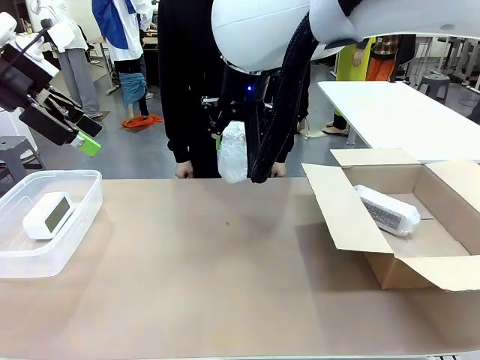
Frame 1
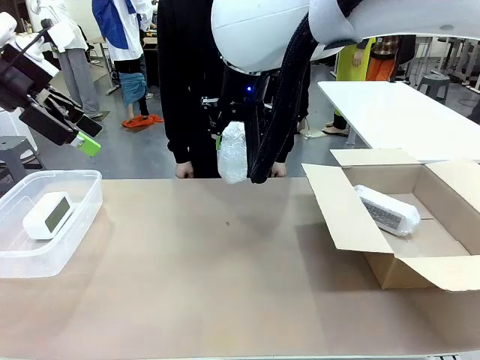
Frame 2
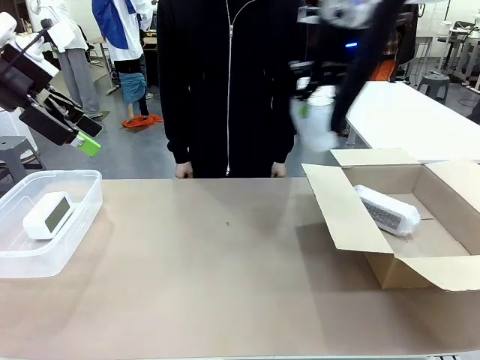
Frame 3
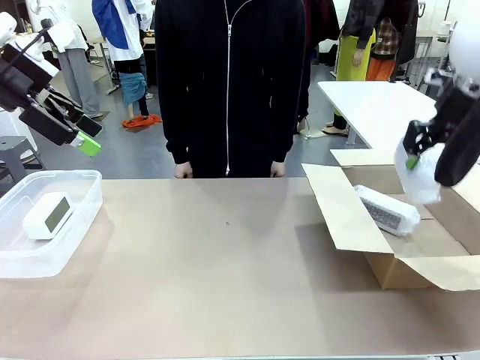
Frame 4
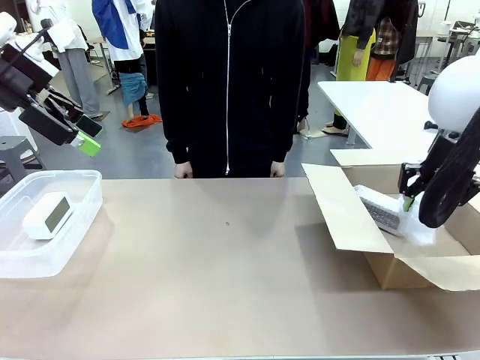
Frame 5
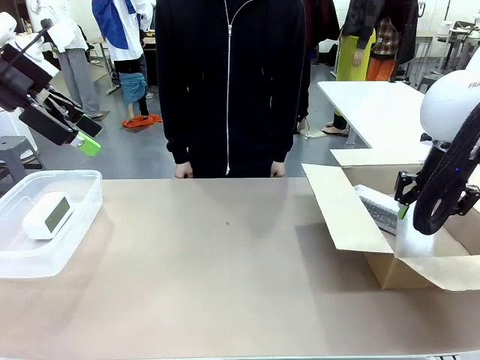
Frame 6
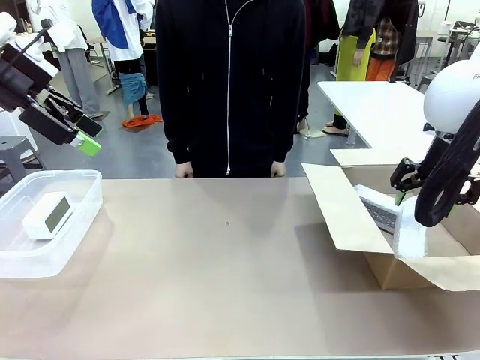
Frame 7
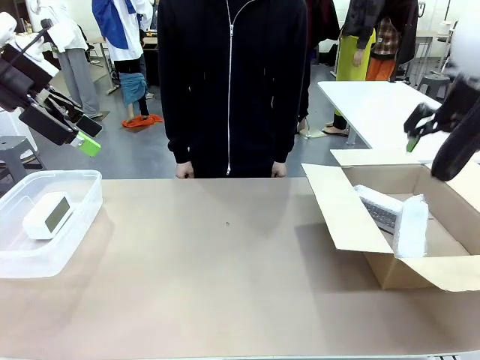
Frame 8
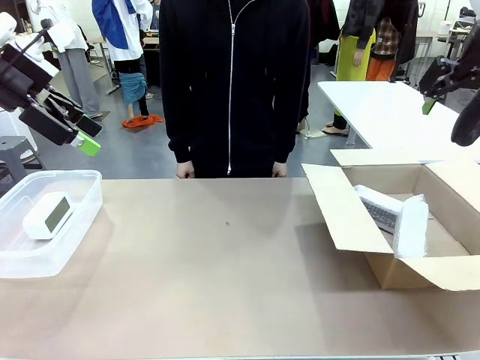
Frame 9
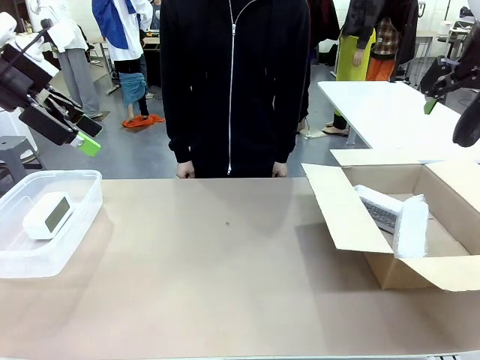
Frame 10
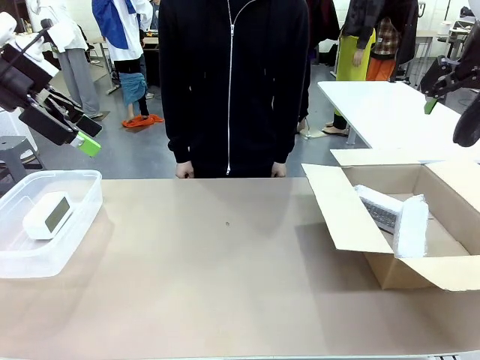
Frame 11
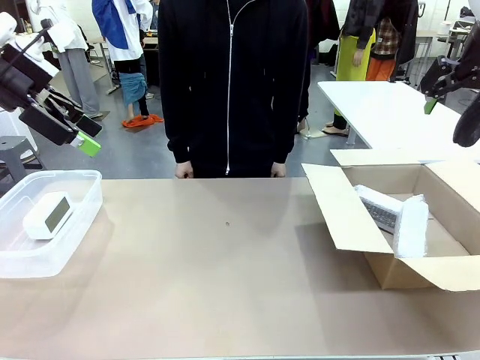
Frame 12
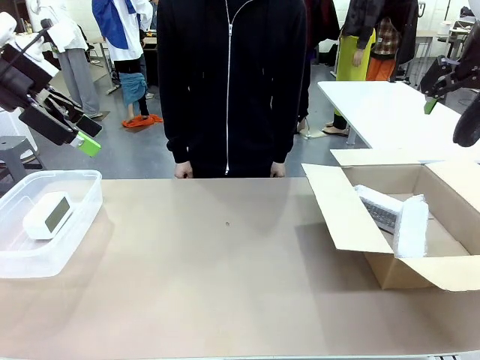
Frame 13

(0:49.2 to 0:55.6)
Task: Separate and place wrapped and unwrapped clocks.
Robot: If the picked Digital clock is wrapped, place it in the Package Box ; if not, place it in the Organizing box.

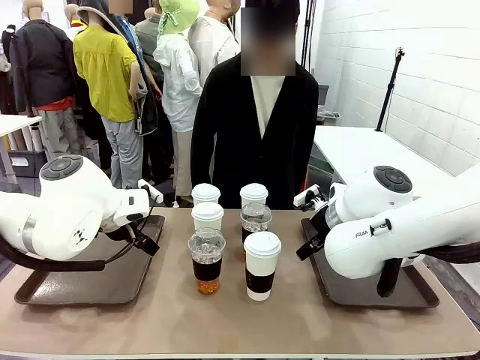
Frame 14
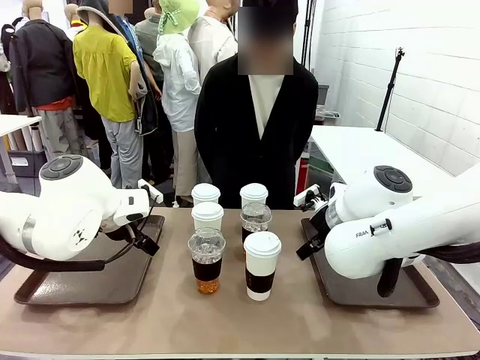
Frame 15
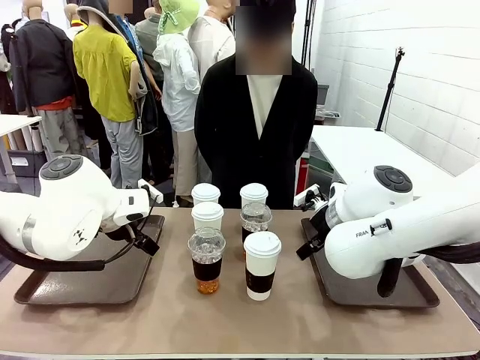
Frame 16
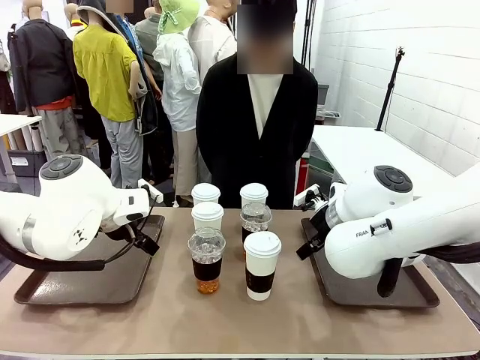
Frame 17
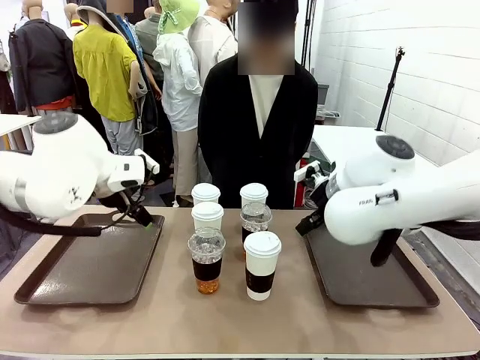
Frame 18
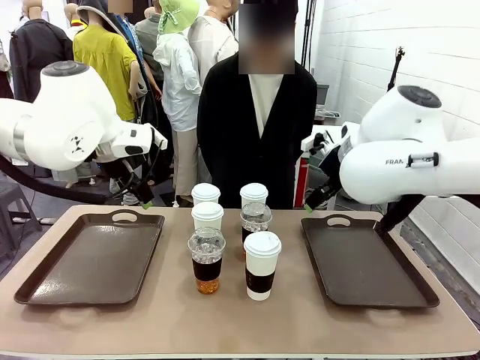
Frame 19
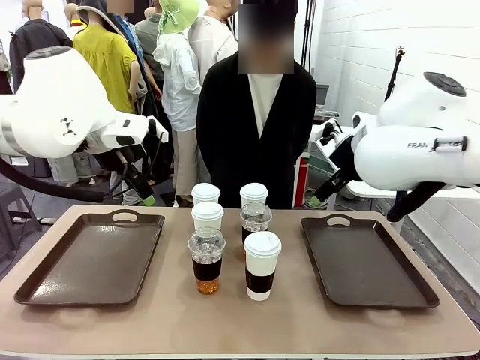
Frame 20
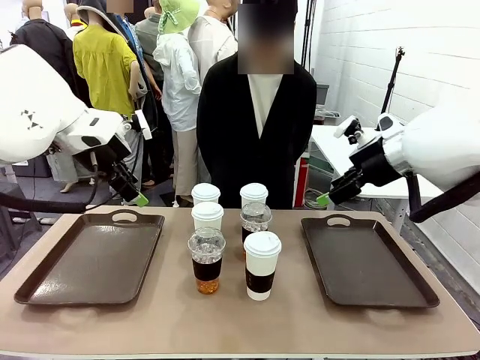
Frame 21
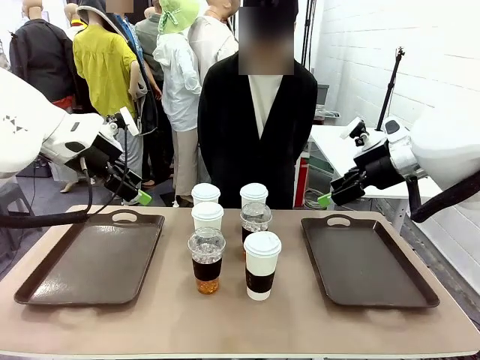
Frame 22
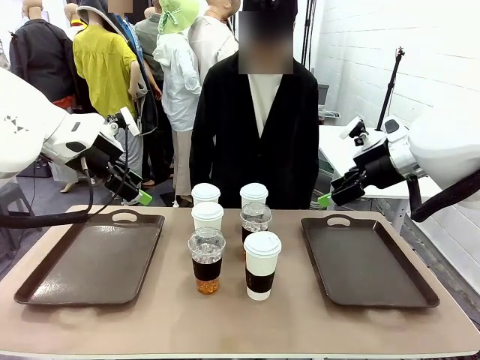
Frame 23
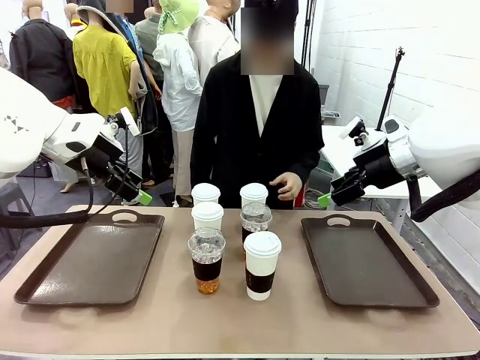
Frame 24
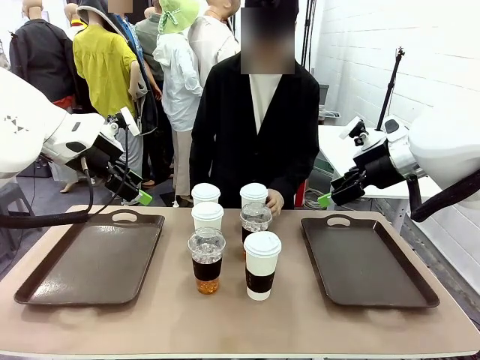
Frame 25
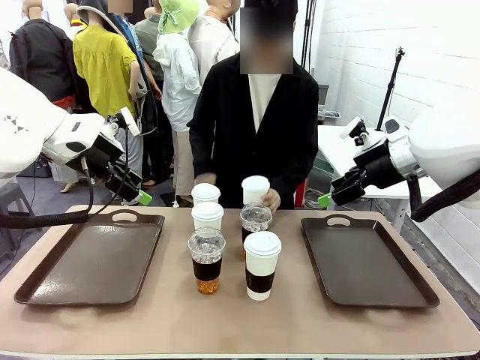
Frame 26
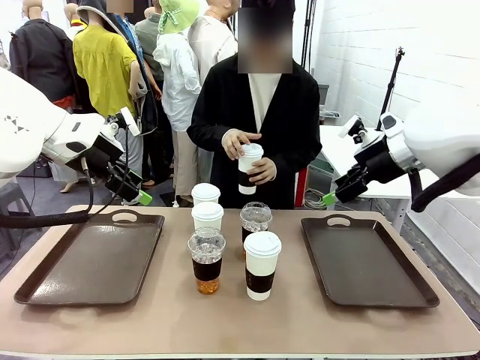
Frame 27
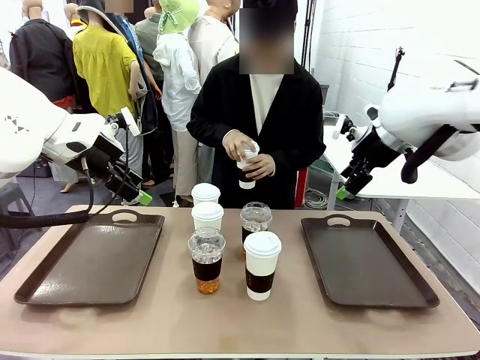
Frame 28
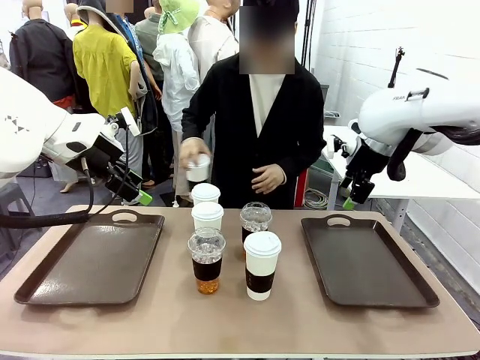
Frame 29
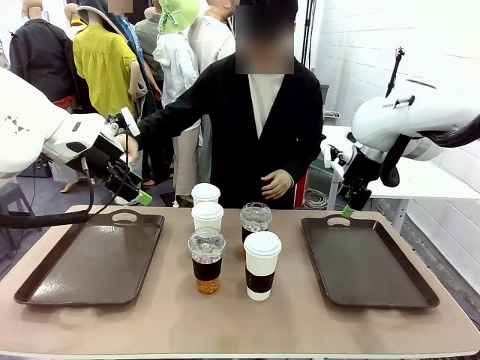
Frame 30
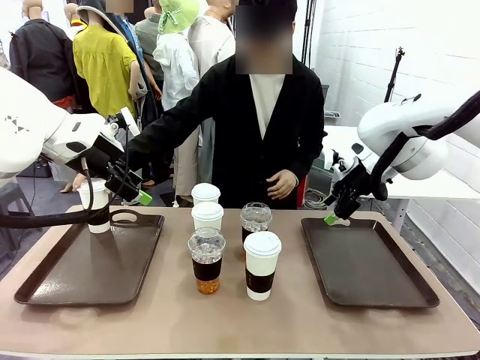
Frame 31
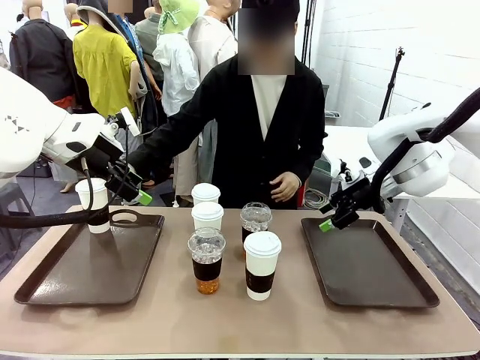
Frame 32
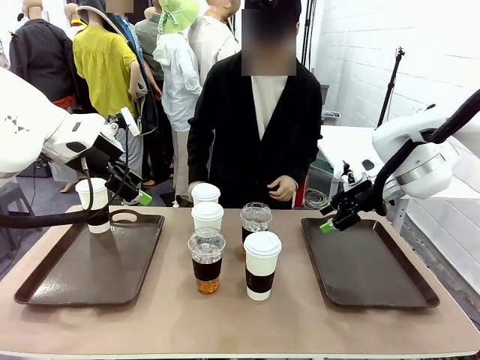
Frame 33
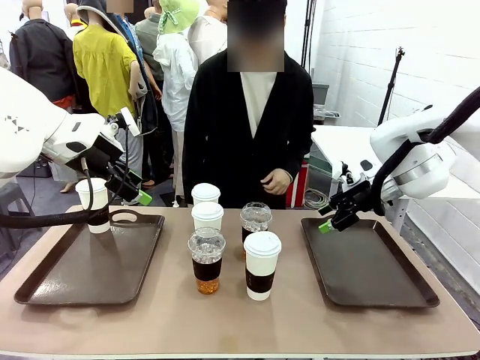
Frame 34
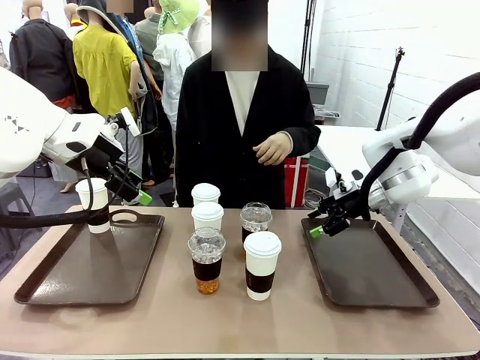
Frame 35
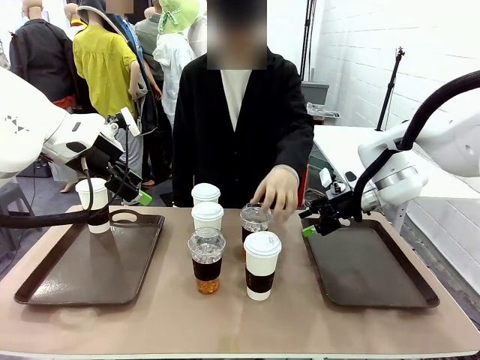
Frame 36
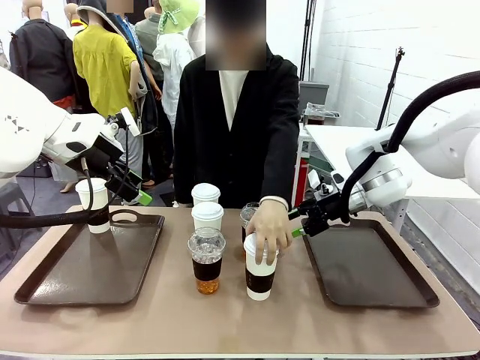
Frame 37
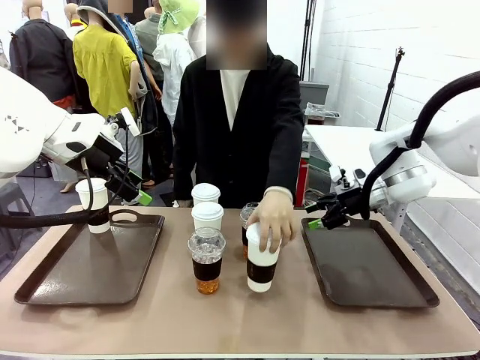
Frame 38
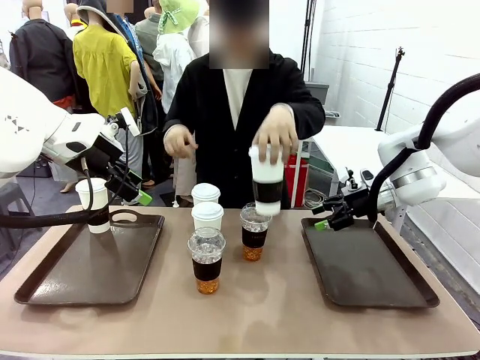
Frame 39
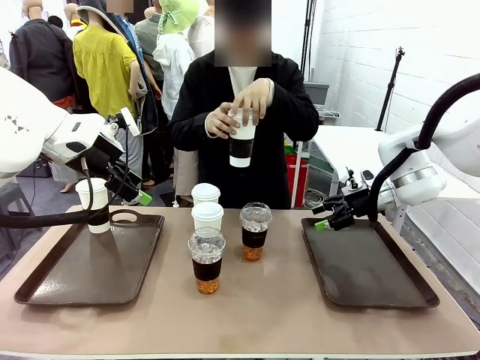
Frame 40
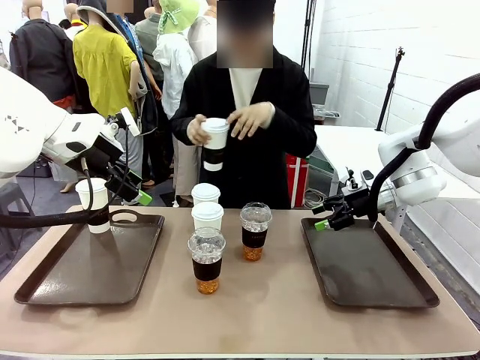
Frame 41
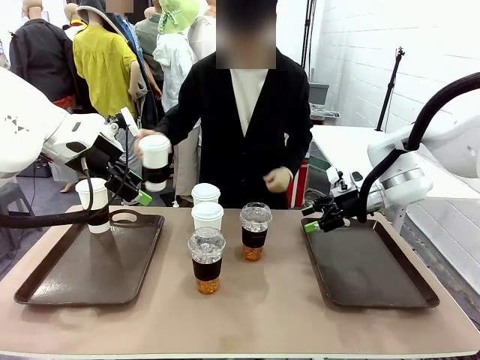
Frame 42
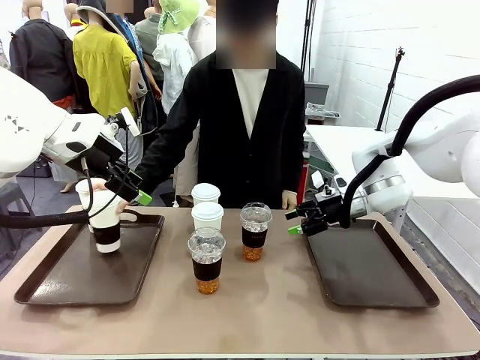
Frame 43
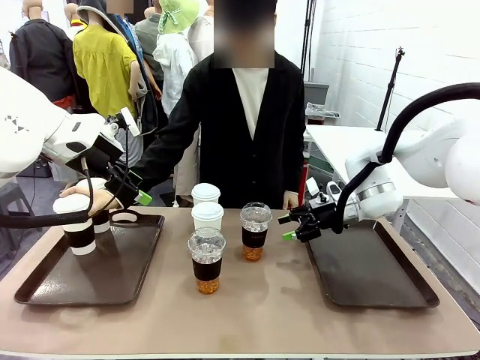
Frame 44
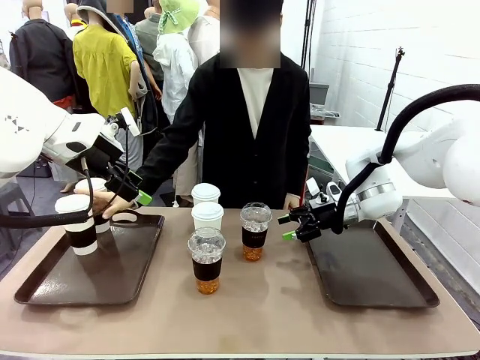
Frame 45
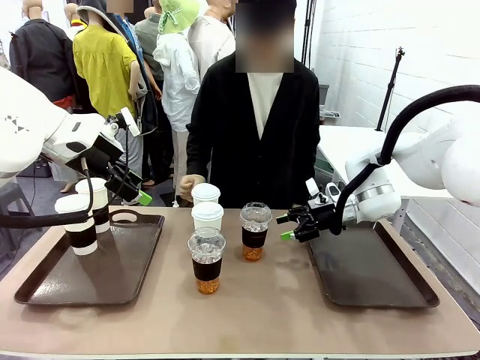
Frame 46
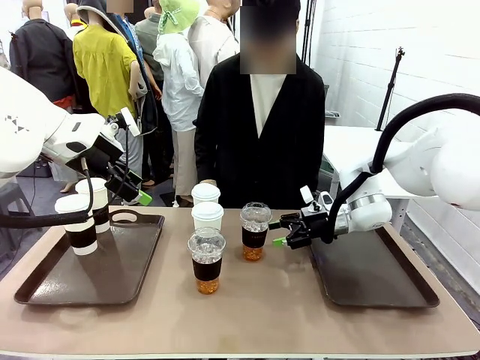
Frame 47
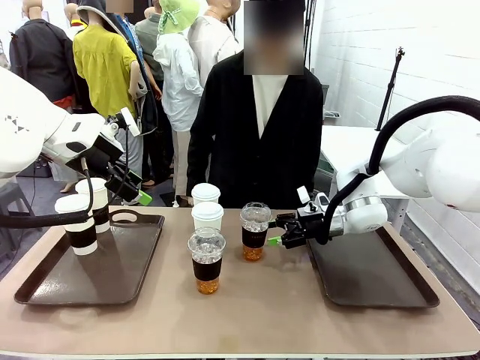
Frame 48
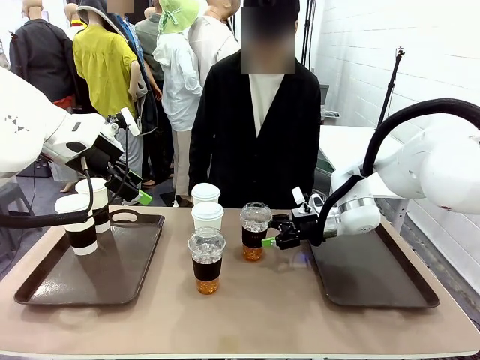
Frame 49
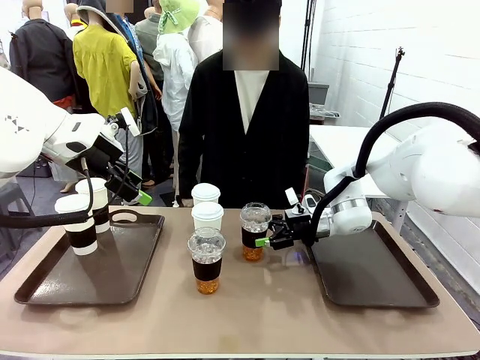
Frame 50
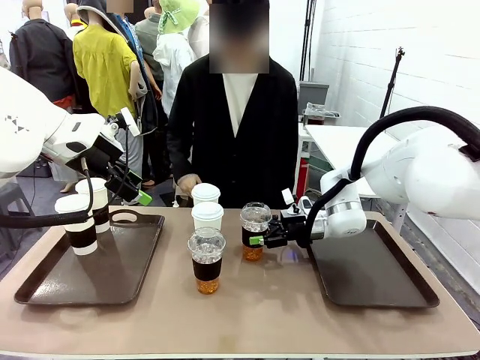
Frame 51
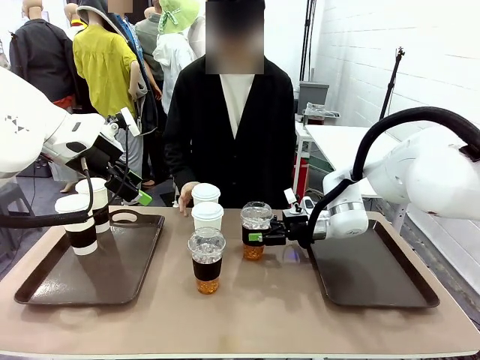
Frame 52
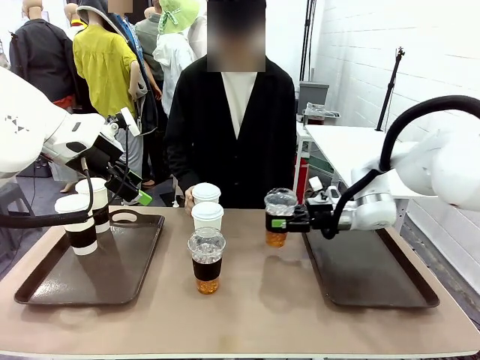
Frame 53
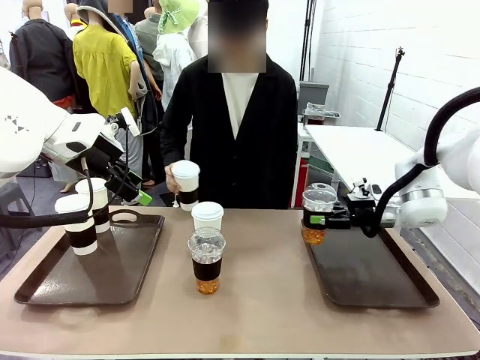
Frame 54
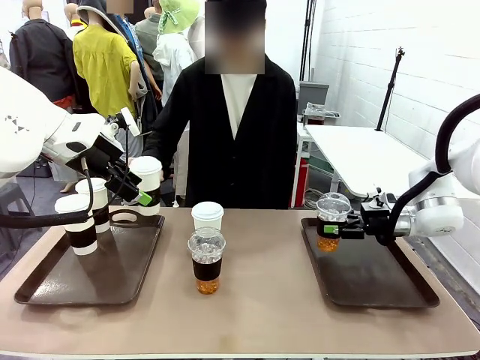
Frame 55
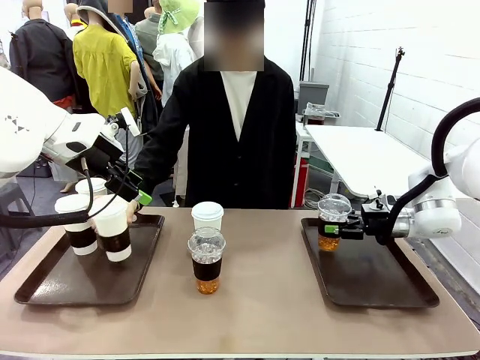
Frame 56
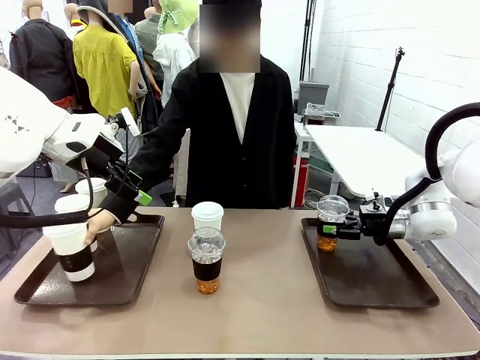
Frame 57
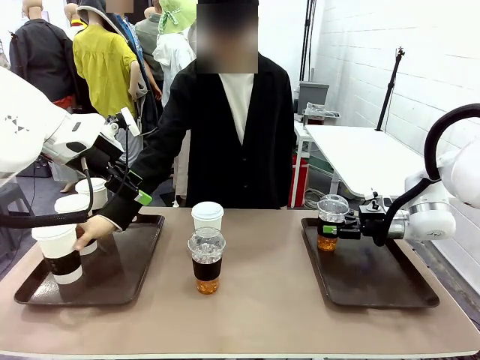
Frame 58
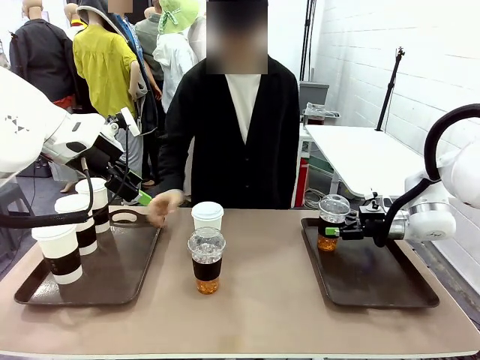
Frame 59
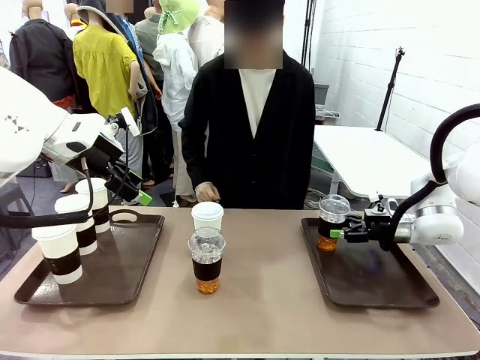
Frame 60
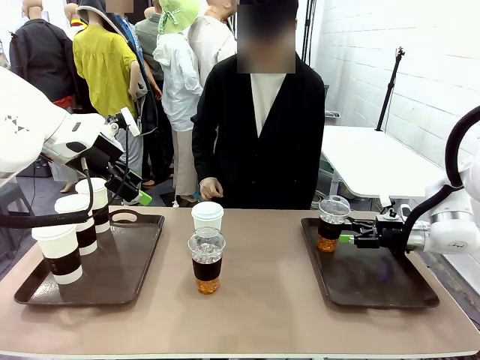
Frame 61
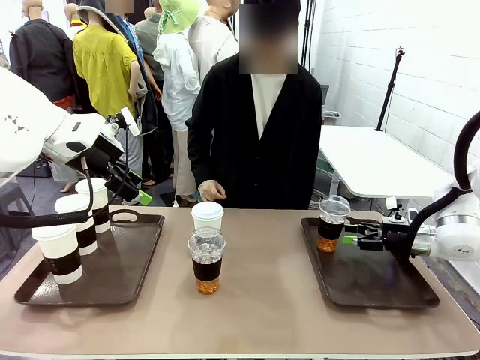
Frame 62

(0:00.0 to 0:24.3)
Task: Distribute the coffee onto the tray.
Robot: Pick up one iced Americano and place it on the right Handle tray.
Person: Pick up a cup of hot Americano and place it on the right tray.
